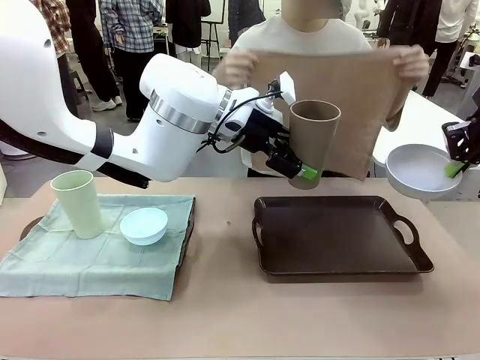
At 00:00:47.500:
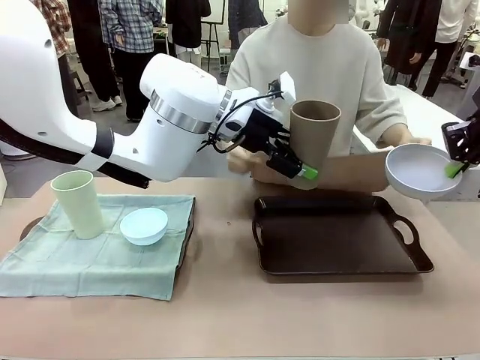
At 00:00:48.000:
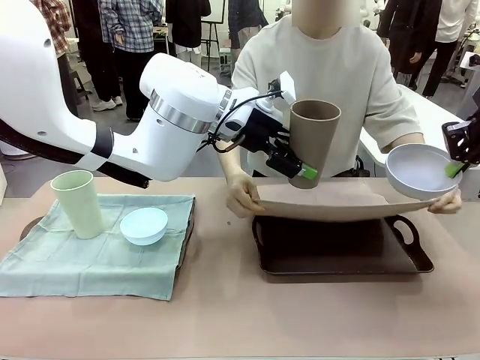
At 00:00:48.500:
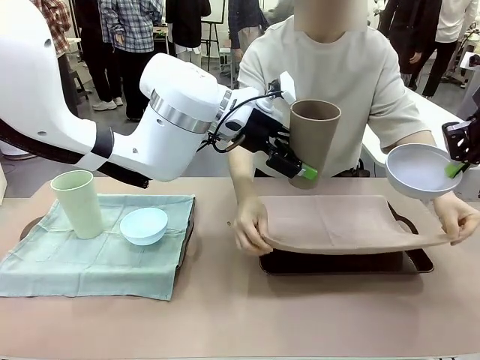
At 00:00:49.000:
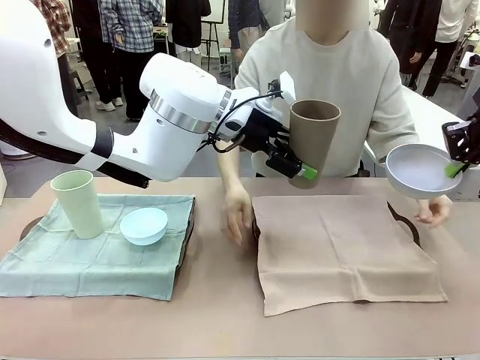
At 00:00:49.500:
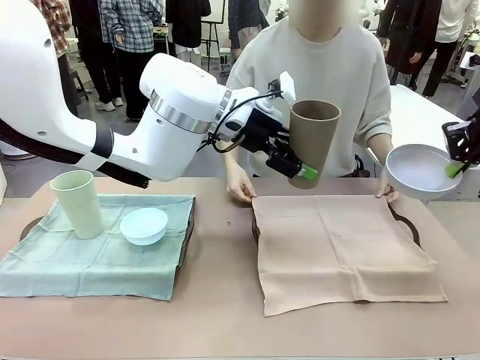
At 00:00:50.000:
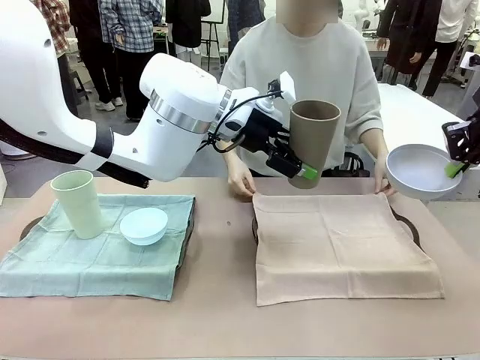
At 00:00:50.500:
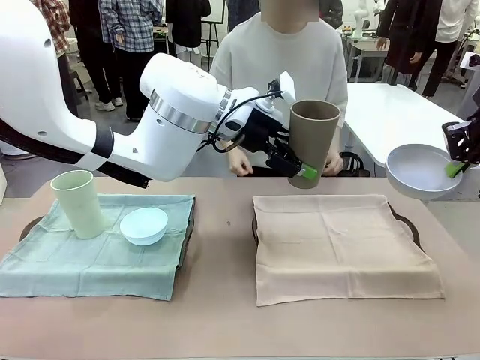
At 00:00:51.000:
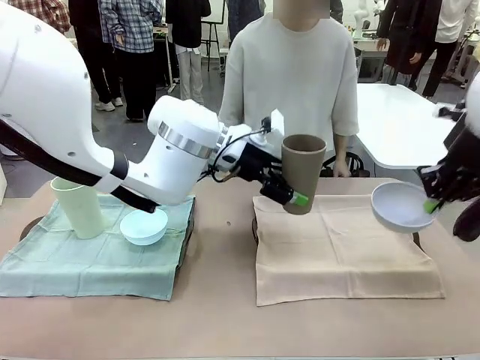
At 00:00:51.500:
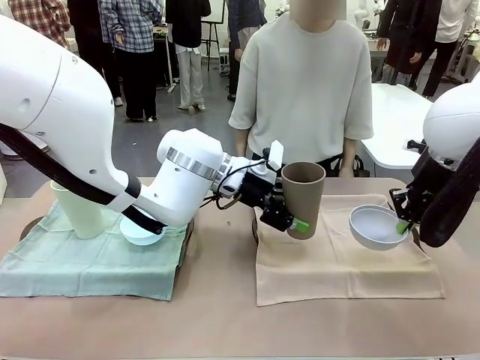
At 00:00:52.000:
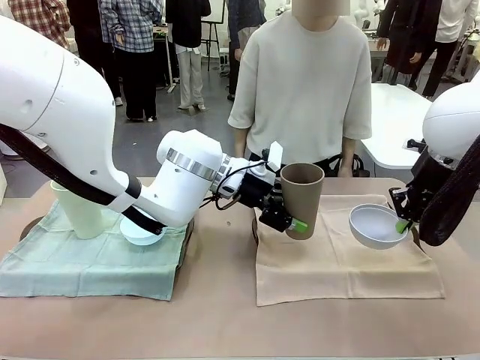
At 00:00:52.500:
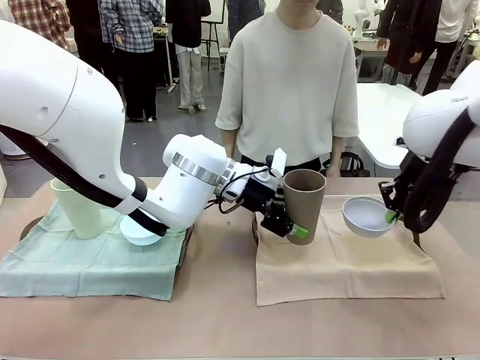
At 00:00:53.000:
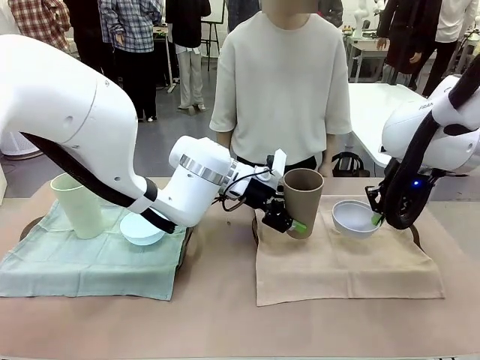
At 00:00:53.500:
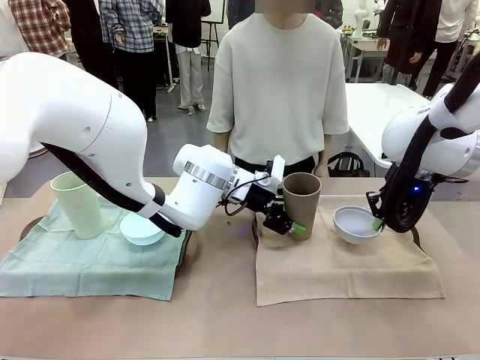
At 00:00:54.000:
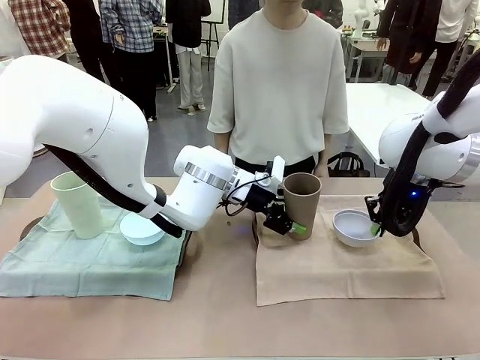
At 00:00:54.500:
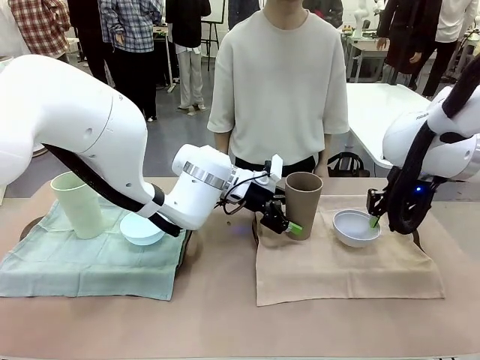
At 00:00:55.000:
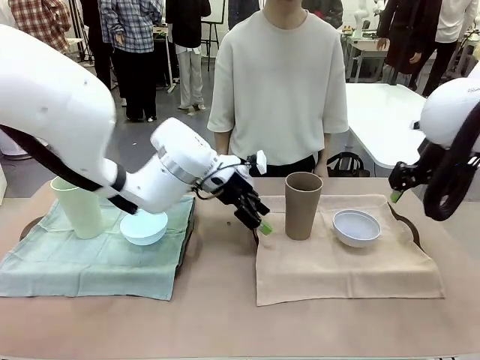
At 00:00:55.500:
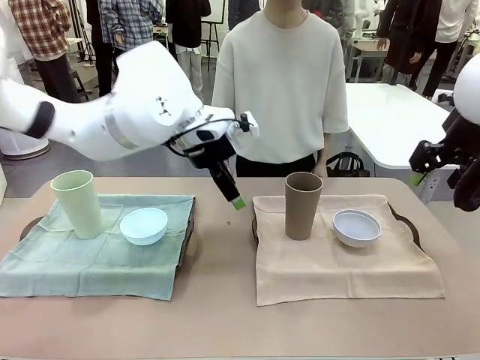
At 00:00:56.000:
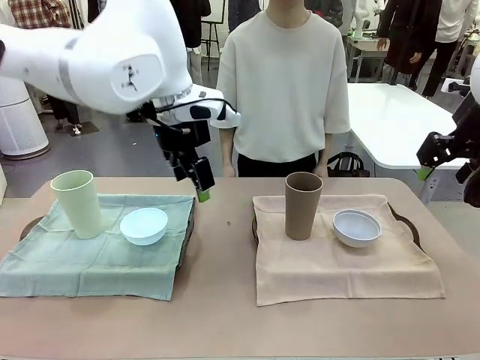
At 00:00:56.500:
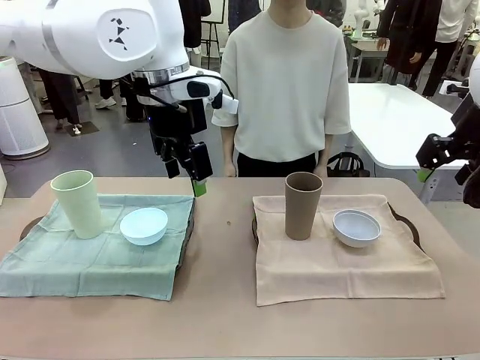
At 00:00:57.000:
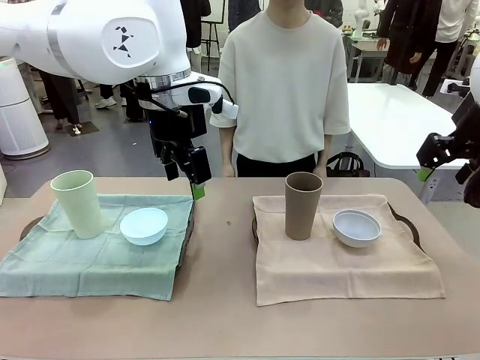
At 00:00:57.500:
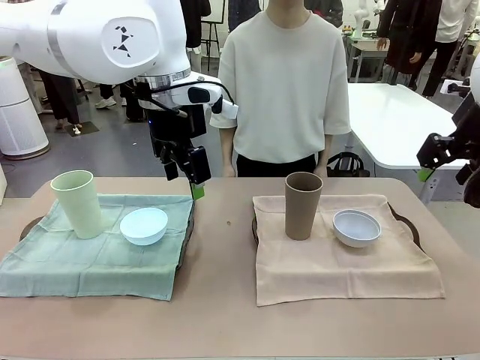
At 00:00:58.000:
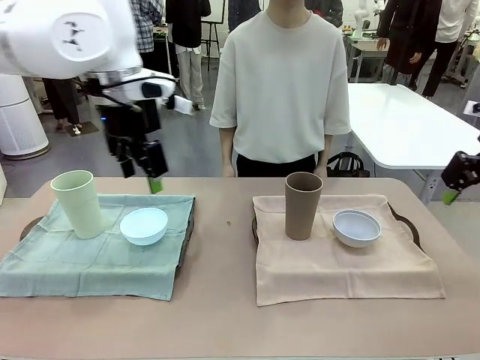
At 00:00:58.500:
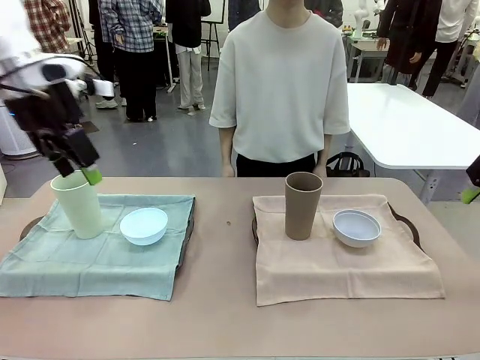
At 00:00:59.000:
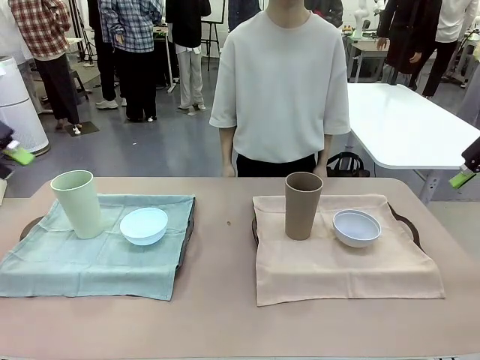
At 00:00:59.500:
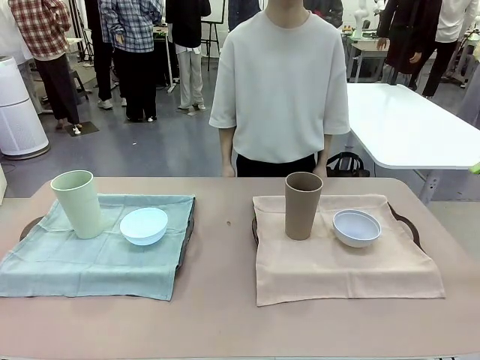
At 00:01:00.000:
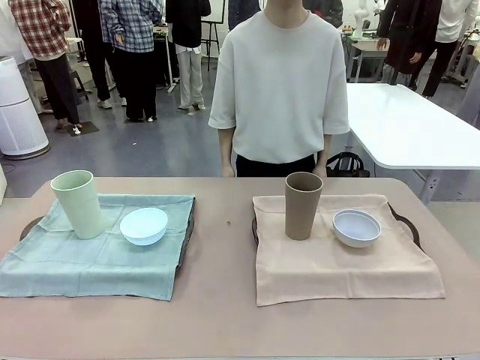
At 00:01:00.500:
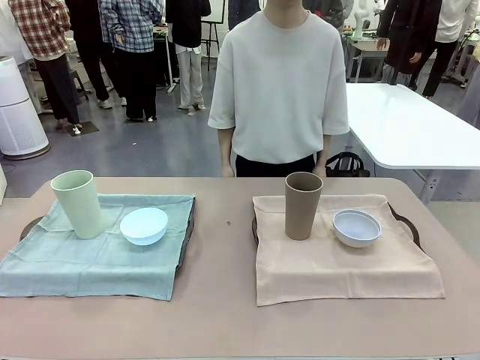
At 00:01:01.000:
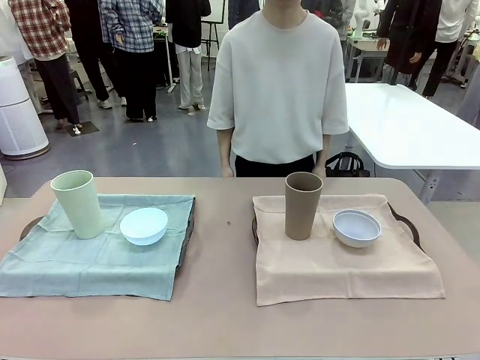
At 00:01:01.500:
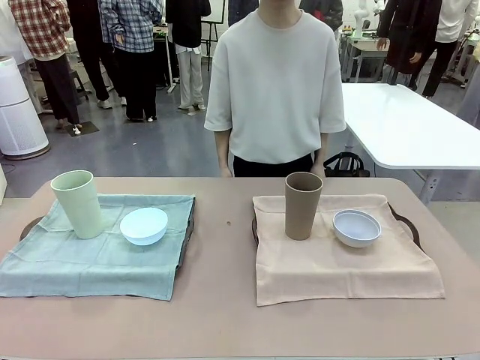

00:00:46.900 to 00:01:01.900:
Robot: Place the Picnic Bowl and Reusable plastic cup back onto the Handle tray in front of the human's position.
Person: When the robot lifts the bowl and the cup, the human unfolds the napkin and lays the napkin flat on the tray.
